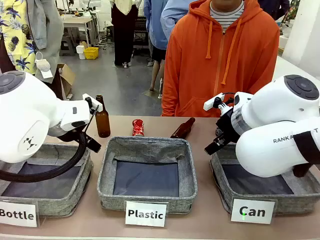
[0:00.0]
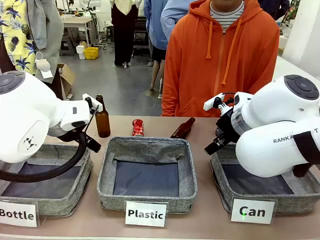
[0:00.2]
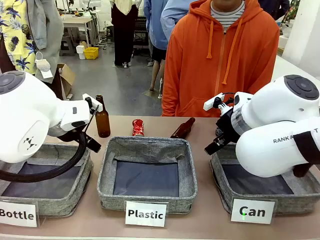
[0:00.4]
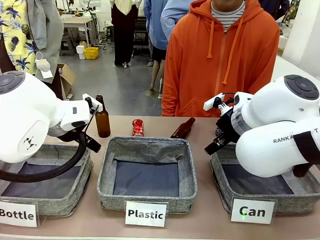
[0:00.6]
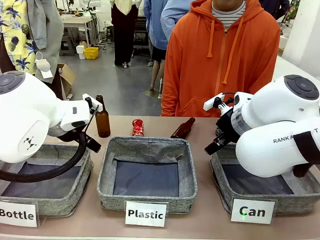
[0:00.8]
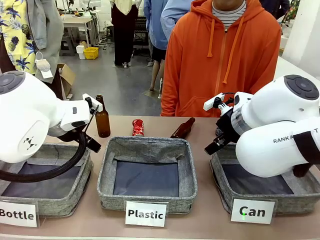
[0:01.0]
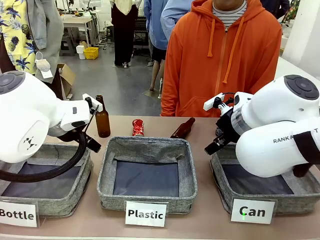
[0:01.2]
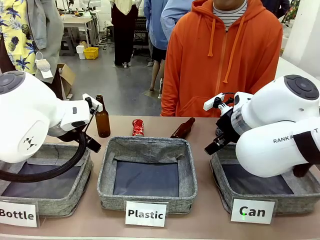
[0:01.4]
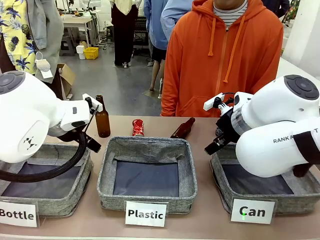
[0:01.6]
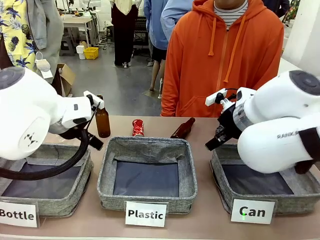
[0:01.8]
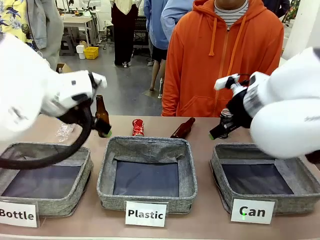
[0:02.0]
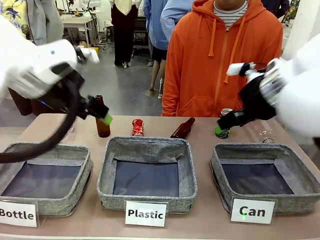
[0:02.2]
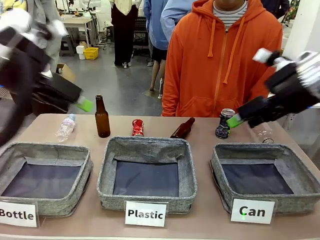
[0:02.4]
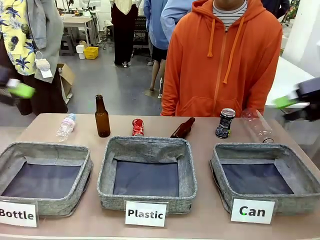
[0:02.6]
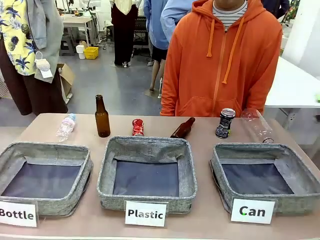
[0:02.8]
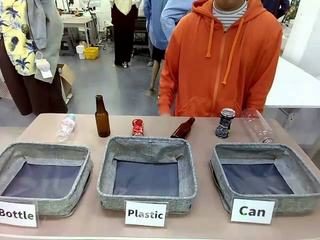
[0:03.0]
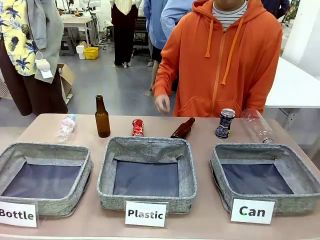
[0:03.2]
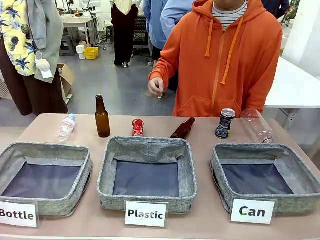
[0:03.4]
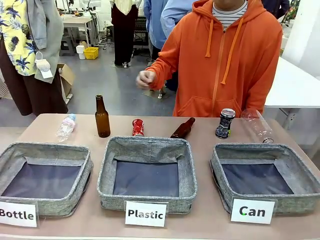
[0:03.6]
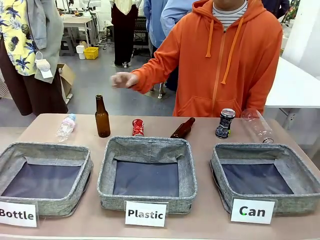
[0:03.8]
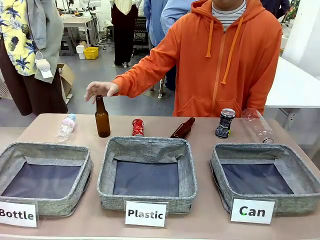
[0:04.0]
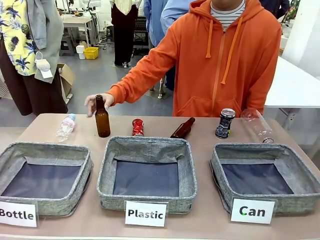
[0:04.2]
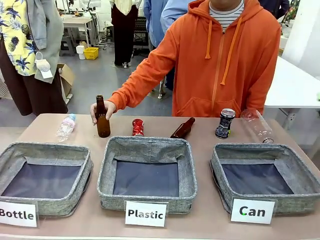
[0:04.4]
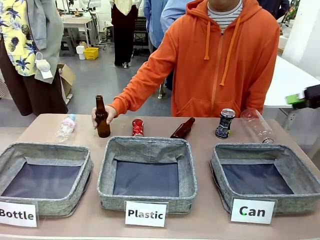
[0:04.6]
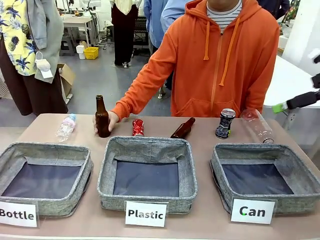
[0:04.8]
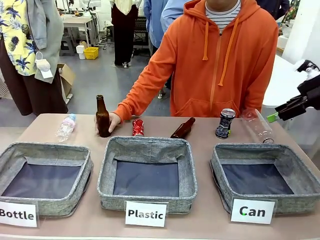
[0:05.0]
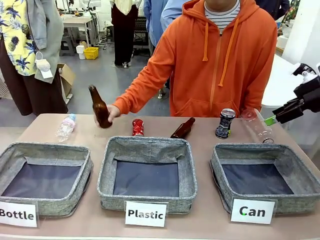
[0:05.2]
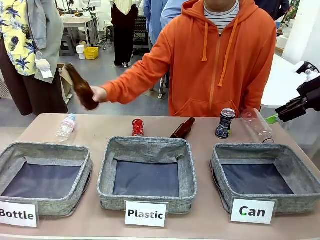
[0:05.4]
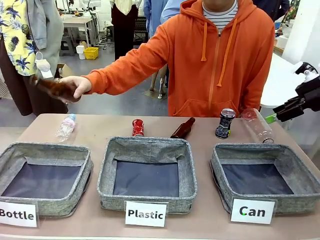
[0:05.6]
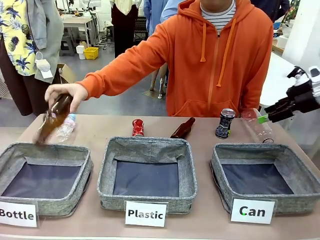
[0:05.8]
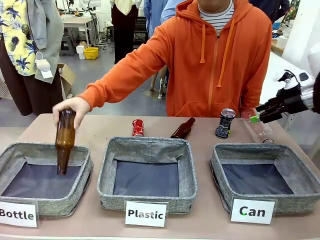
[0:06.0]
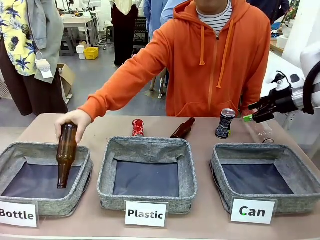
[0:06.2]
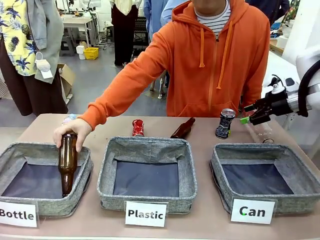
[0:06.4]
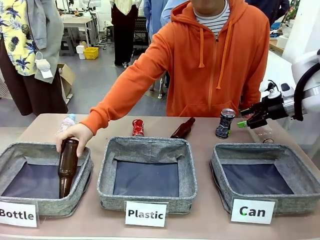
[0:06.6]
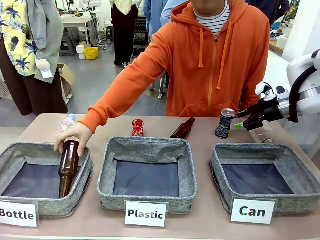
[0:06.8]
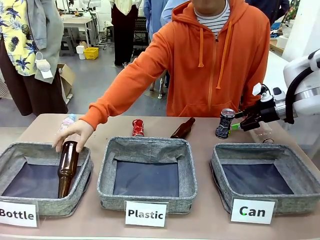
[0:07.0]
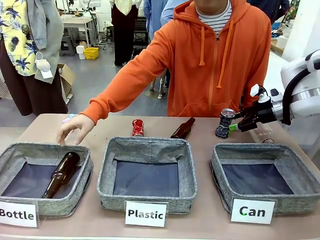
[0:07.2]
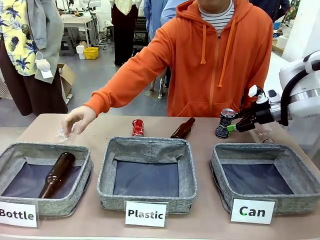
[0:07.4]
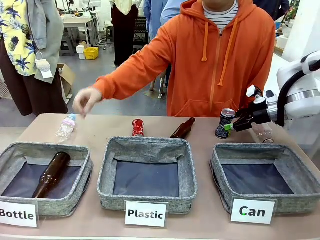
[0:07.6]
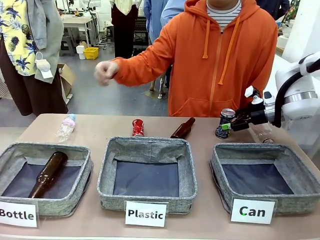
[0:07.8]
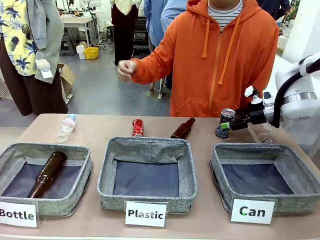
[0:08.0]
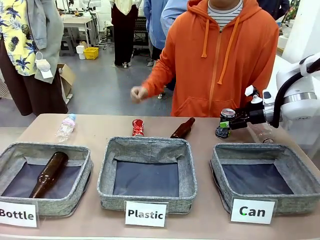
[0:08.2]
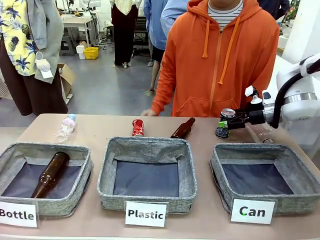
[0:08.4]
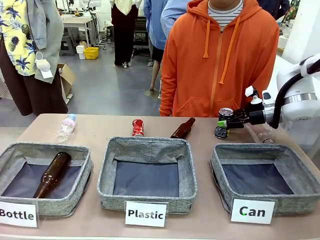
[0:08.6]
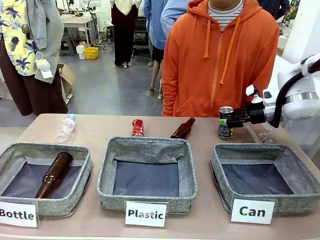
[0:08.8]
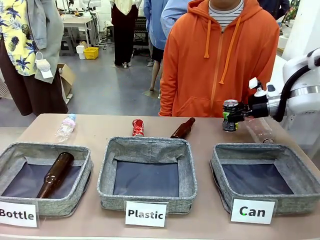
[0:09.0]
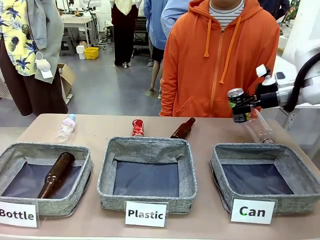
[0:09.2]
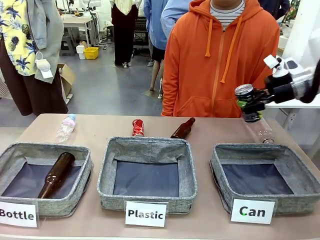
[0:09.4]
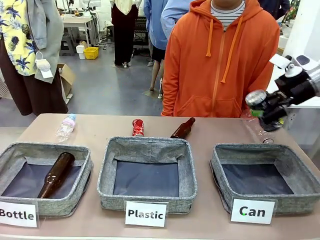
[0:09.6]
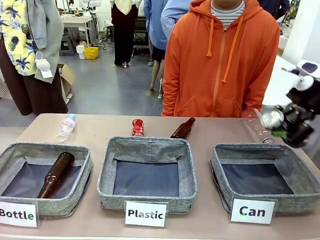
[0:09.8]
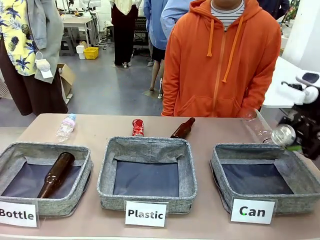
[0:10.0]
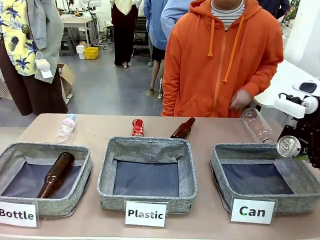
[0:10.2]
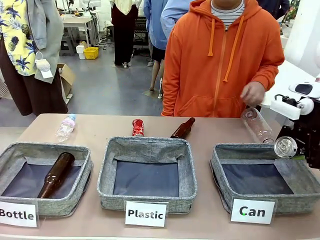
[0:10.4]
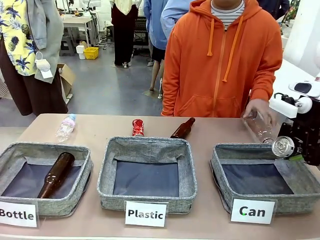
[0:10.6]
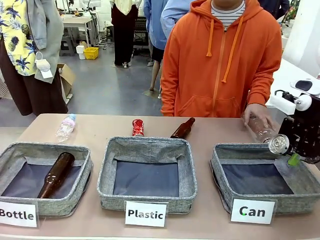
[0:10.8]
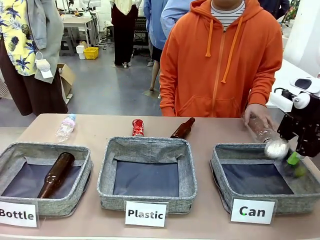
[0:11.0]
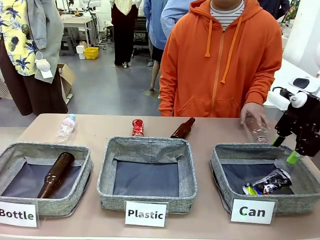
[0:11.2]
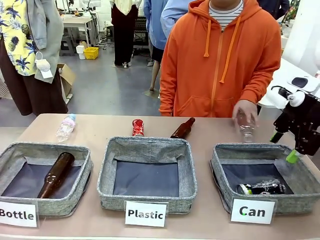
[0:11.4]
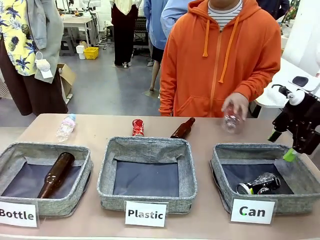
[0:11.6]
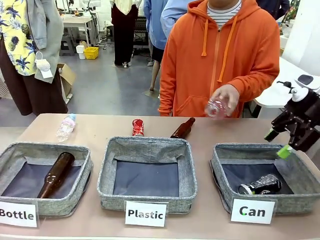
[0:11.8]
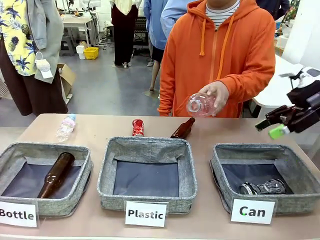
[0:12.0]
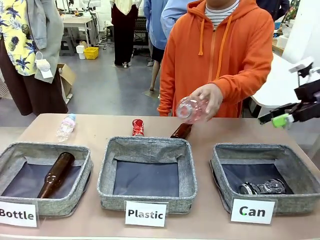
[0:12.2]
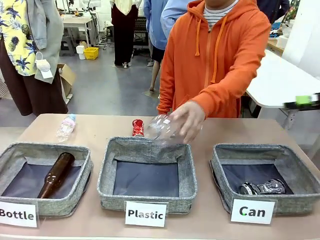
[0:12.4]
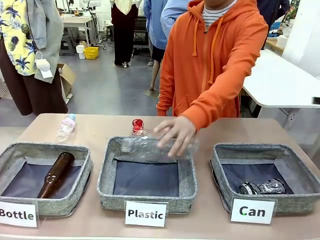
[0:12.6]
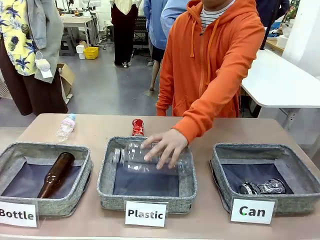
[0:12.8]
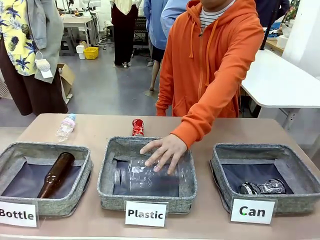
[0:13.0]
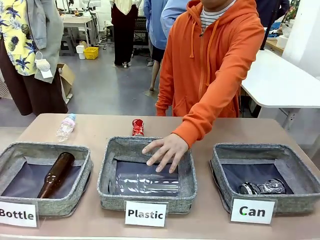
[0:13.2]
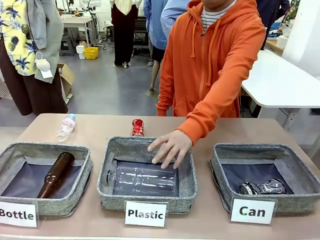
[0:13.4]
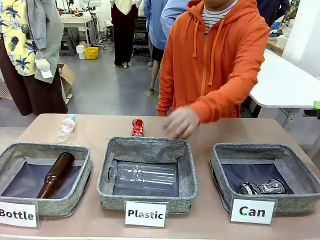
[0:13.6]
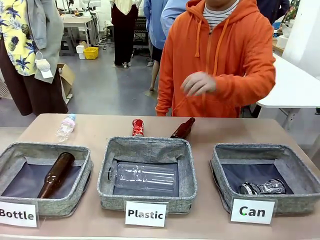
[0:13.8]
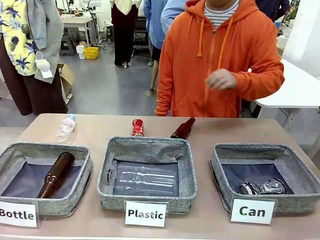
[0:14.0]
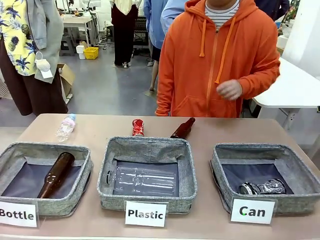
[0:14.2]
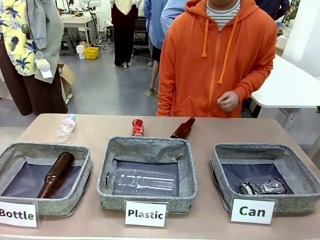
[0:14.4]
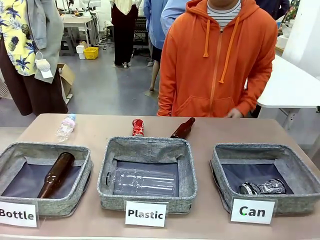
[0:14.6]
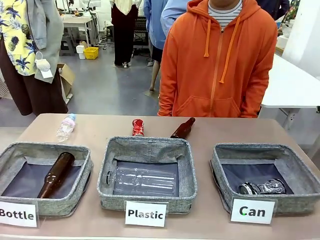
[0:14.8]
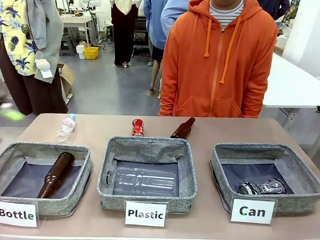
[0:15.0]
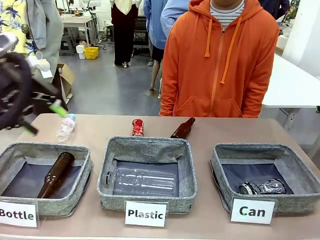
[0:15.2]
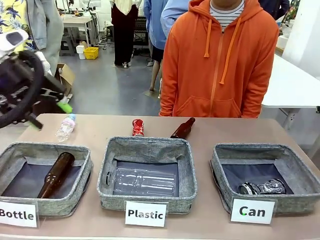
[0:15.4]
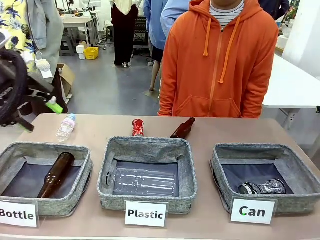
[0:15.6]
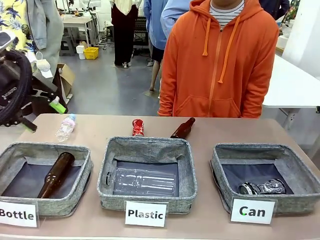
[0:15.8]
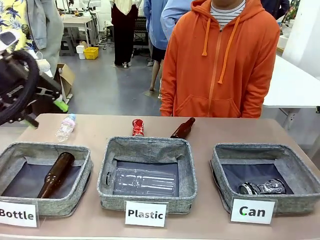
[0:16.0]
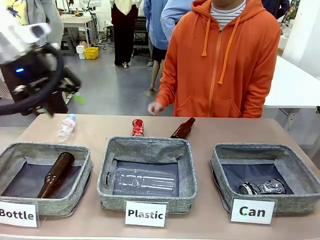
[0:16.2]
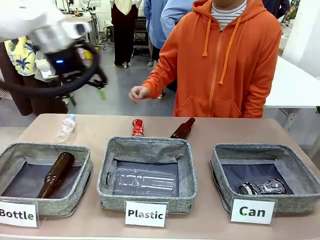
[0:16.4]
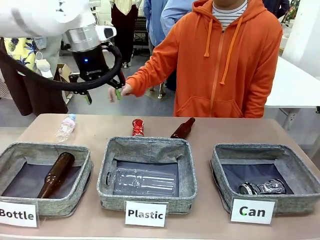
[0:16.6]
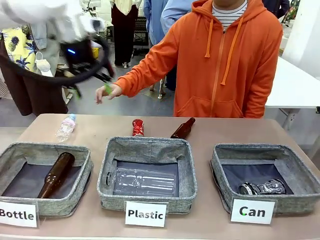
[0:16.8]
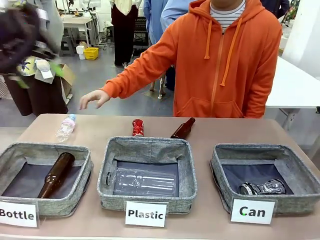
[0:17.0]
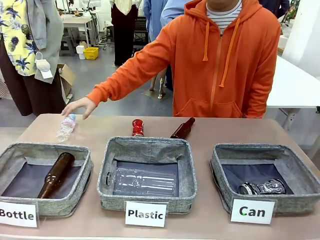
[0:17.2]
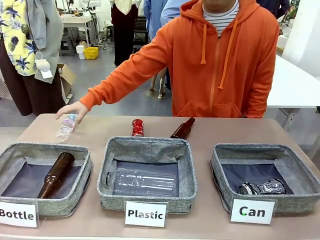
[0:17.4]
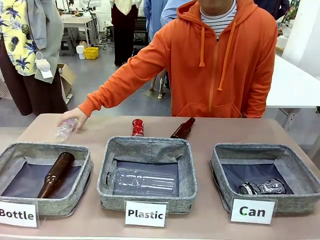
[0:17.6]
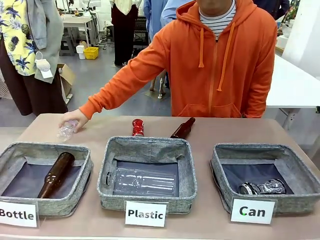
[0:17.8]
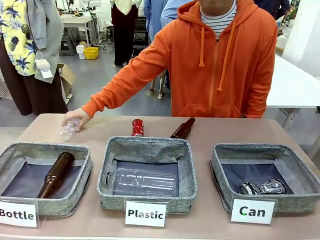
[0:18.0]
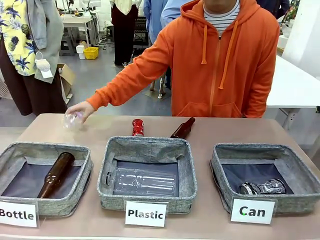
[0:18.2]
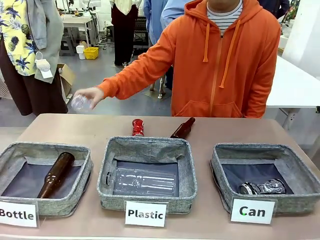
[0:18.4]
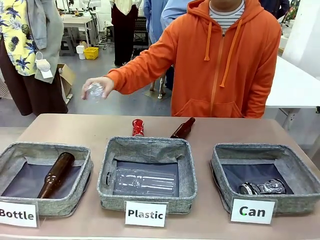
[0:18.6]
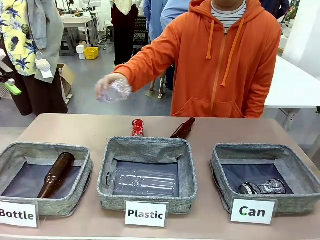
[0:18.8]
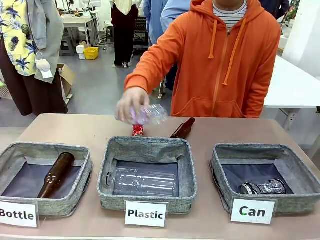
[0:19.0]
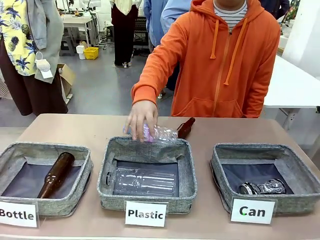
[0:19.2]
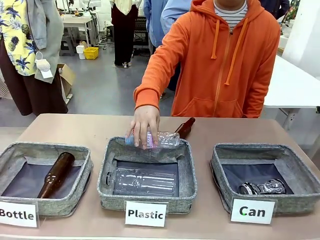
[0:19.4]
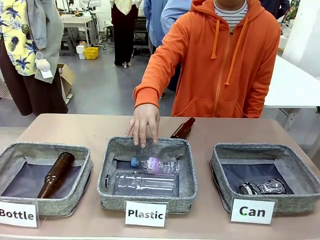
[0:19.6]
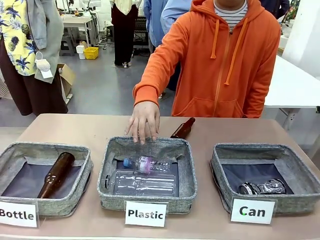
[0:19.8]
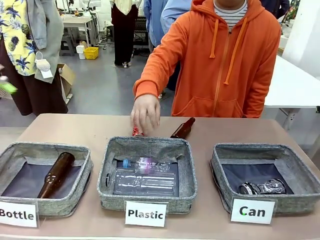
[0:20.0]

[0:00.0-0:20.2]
Task: Sort the can waste into the basket.
Robot: Pick up the can waste from the table and place it in the right Fabric basket.
